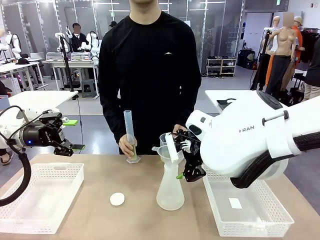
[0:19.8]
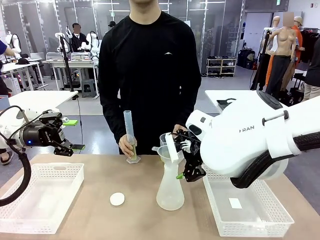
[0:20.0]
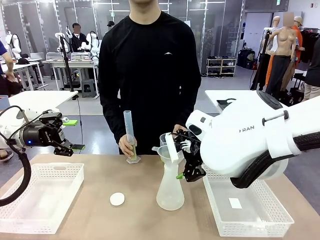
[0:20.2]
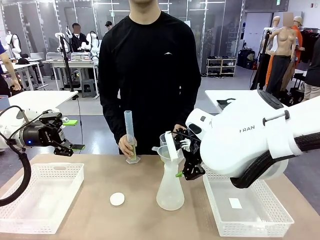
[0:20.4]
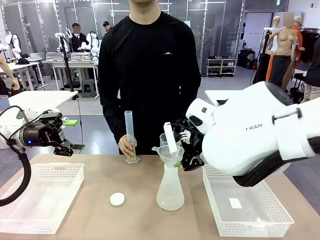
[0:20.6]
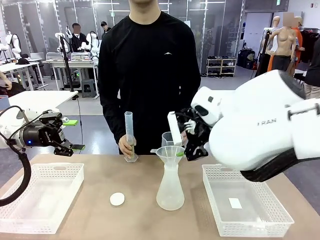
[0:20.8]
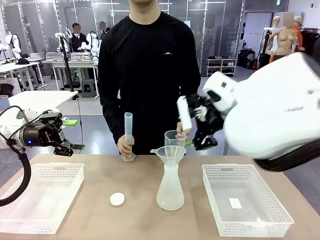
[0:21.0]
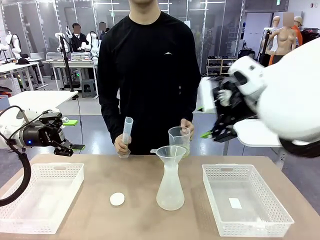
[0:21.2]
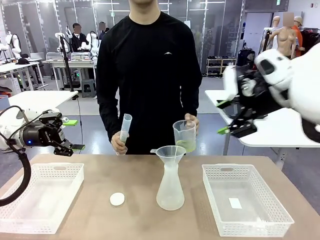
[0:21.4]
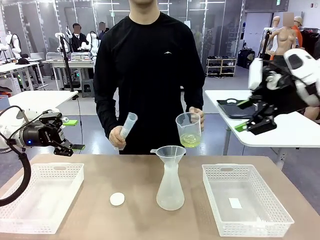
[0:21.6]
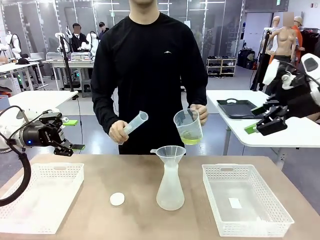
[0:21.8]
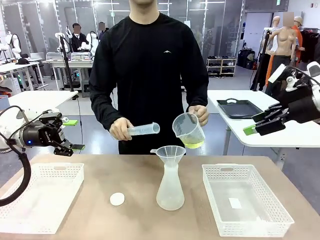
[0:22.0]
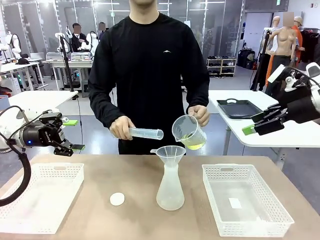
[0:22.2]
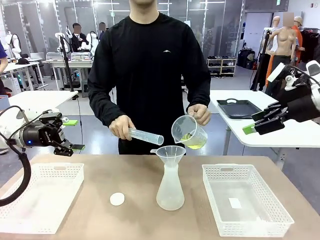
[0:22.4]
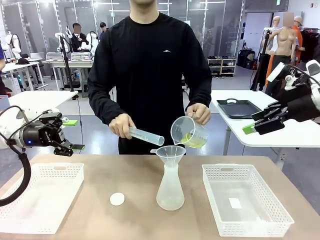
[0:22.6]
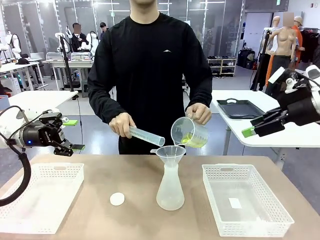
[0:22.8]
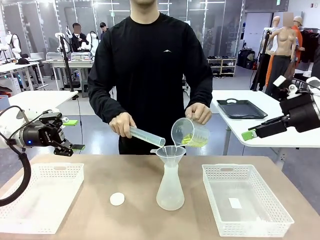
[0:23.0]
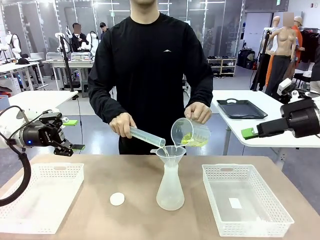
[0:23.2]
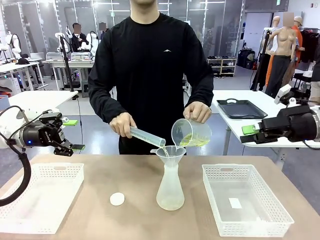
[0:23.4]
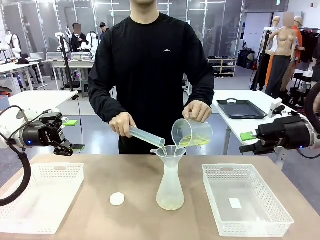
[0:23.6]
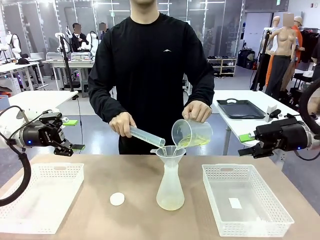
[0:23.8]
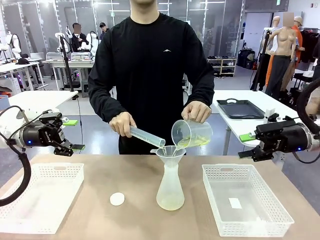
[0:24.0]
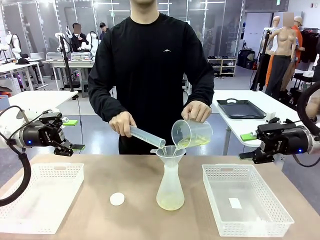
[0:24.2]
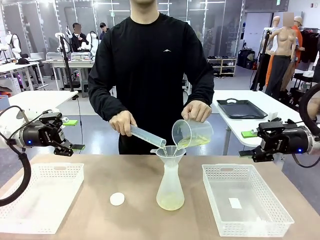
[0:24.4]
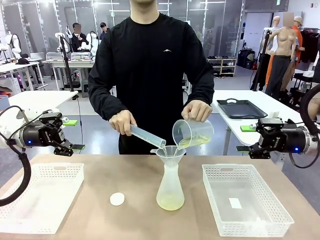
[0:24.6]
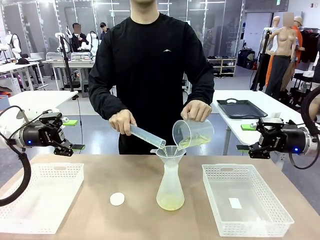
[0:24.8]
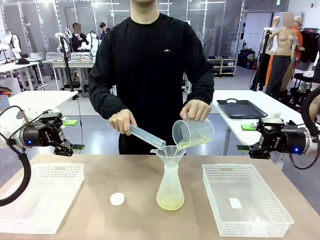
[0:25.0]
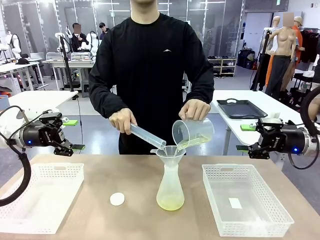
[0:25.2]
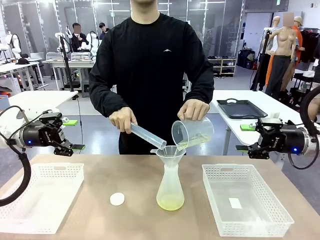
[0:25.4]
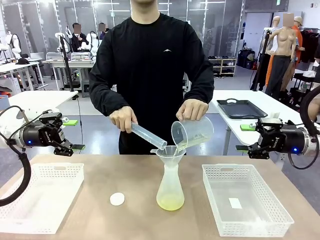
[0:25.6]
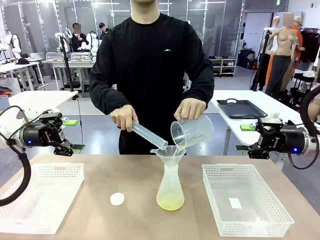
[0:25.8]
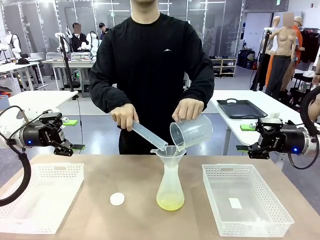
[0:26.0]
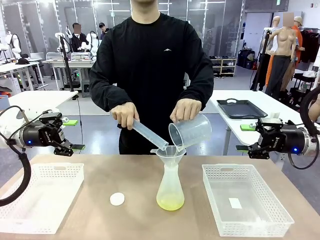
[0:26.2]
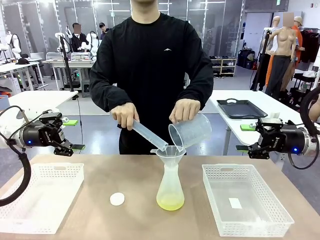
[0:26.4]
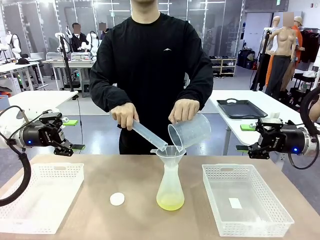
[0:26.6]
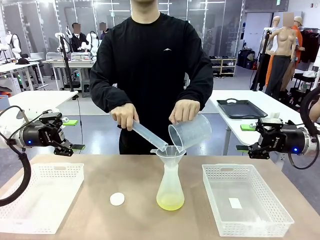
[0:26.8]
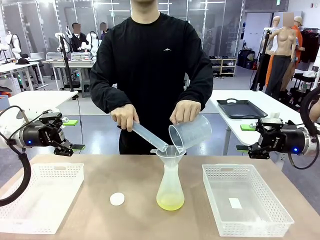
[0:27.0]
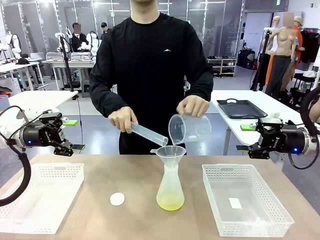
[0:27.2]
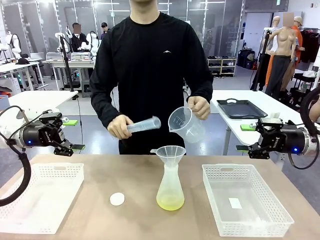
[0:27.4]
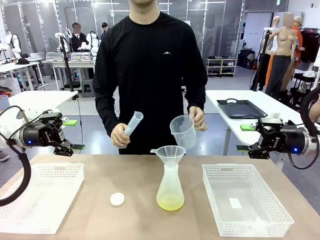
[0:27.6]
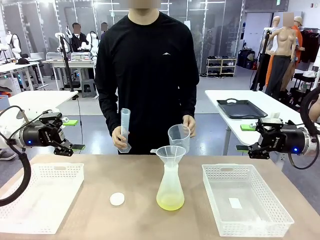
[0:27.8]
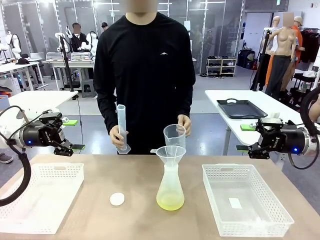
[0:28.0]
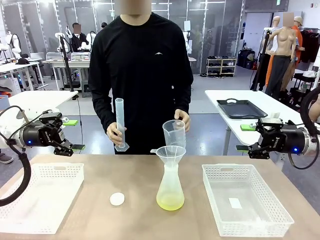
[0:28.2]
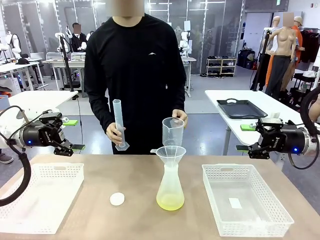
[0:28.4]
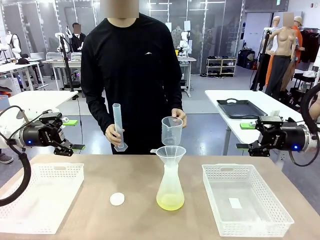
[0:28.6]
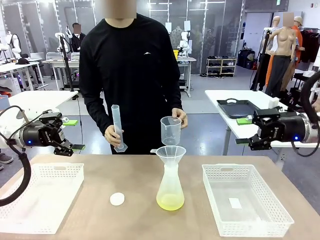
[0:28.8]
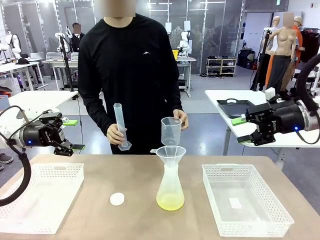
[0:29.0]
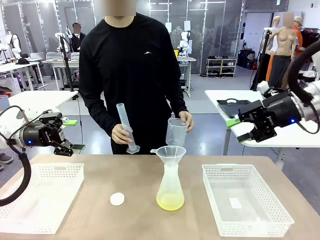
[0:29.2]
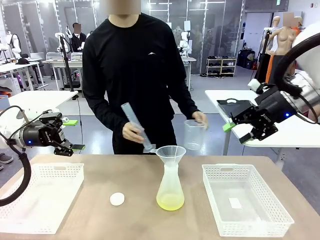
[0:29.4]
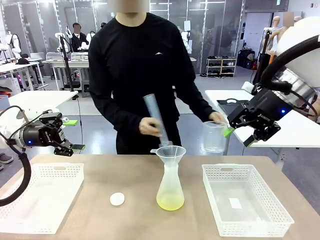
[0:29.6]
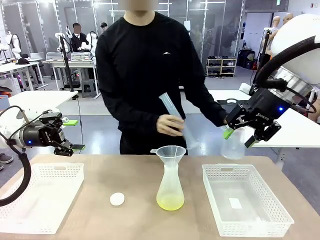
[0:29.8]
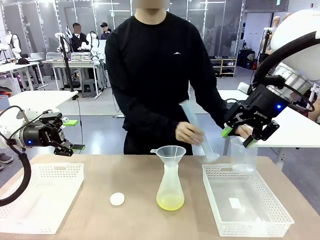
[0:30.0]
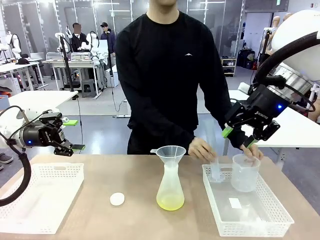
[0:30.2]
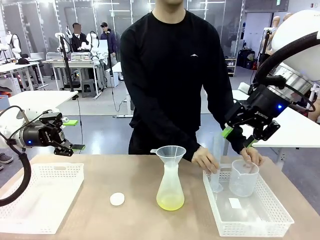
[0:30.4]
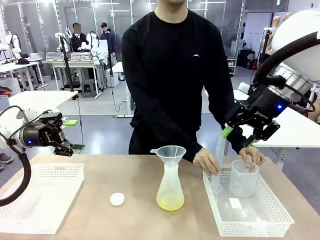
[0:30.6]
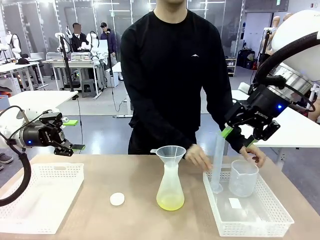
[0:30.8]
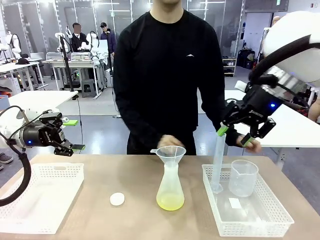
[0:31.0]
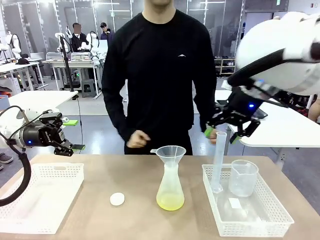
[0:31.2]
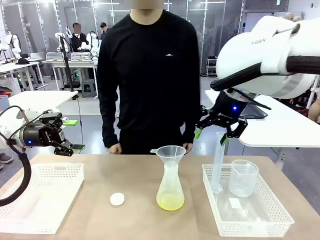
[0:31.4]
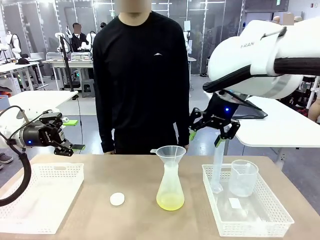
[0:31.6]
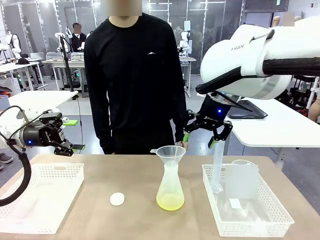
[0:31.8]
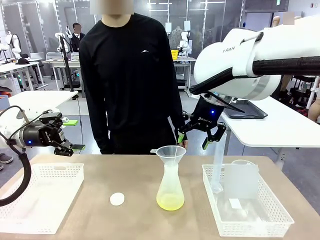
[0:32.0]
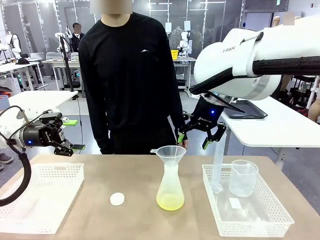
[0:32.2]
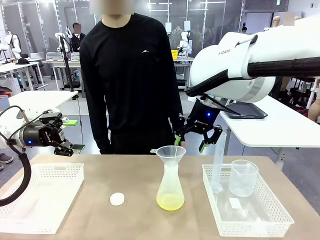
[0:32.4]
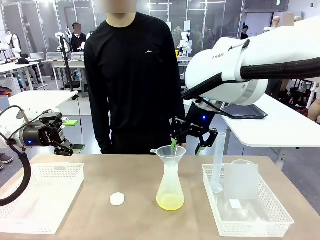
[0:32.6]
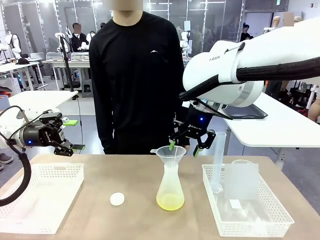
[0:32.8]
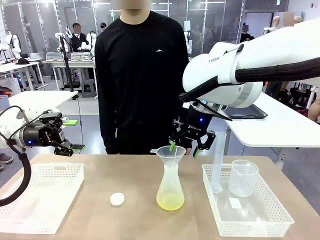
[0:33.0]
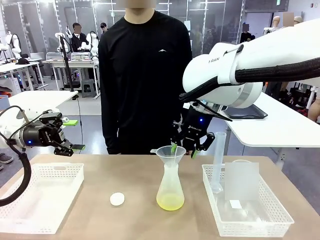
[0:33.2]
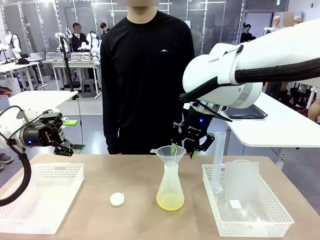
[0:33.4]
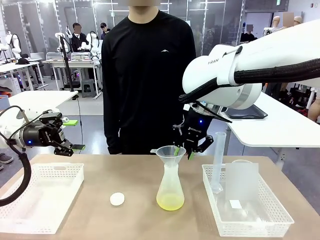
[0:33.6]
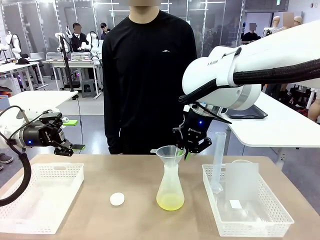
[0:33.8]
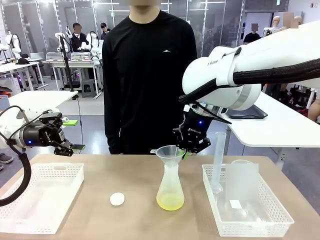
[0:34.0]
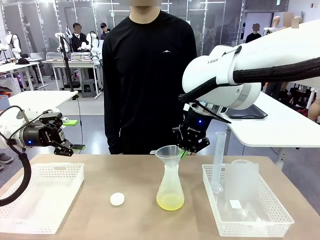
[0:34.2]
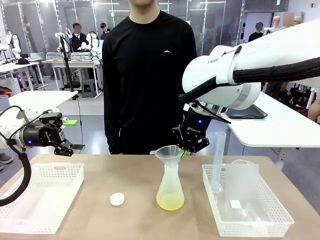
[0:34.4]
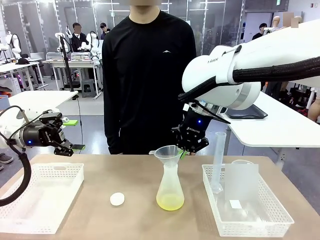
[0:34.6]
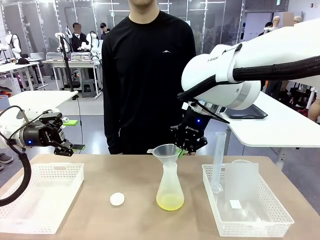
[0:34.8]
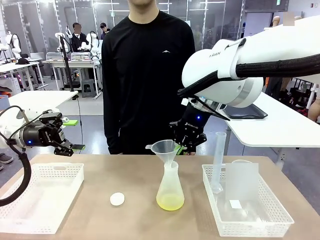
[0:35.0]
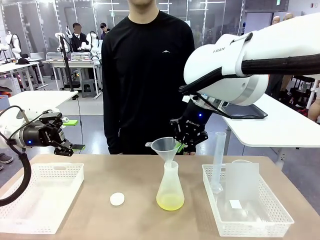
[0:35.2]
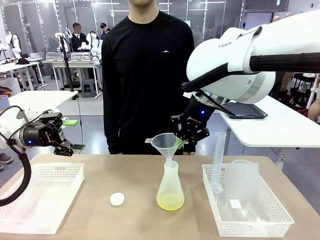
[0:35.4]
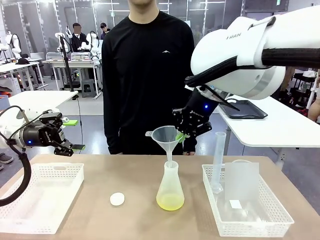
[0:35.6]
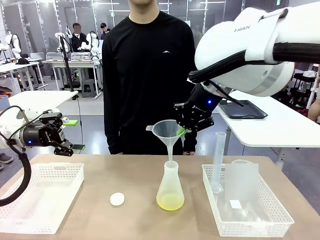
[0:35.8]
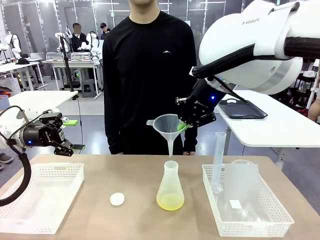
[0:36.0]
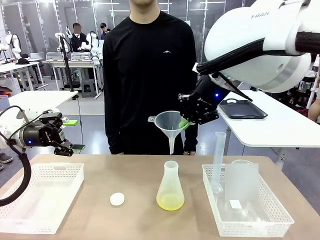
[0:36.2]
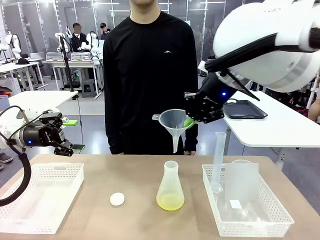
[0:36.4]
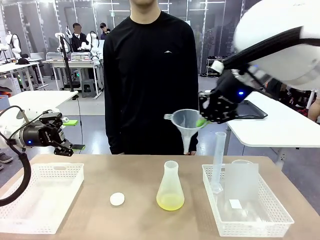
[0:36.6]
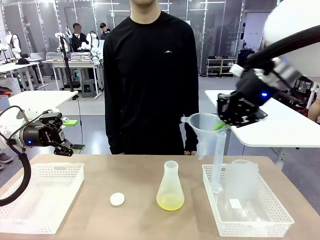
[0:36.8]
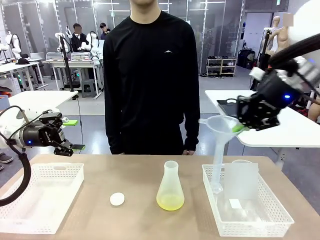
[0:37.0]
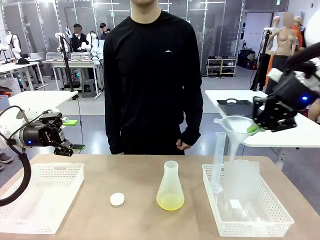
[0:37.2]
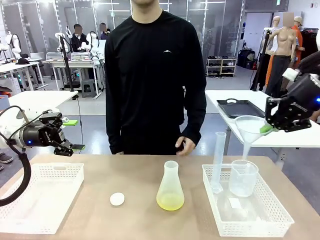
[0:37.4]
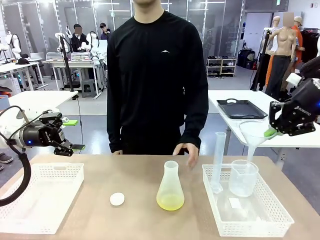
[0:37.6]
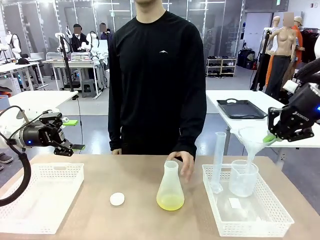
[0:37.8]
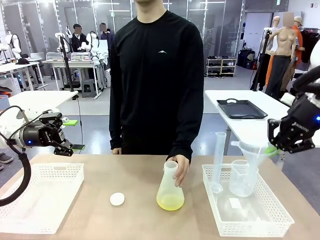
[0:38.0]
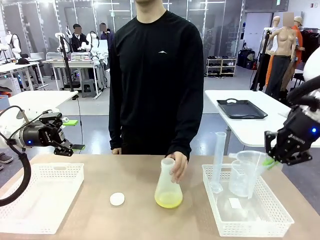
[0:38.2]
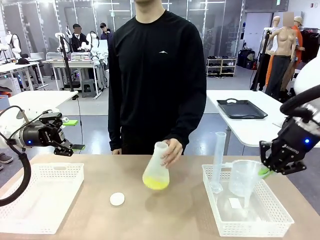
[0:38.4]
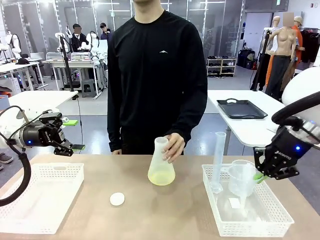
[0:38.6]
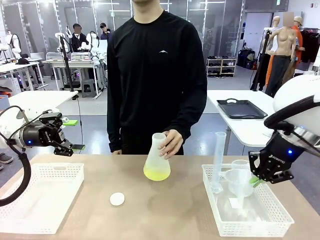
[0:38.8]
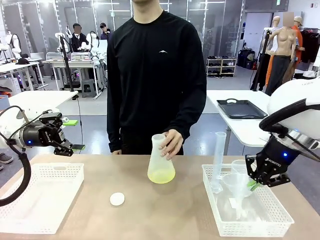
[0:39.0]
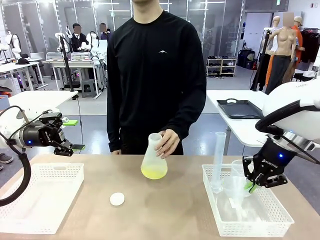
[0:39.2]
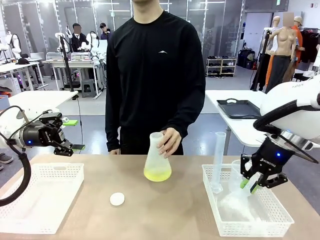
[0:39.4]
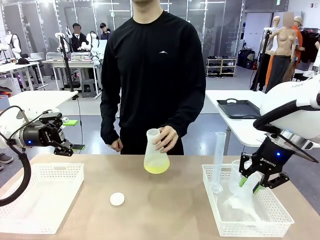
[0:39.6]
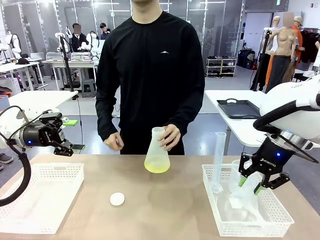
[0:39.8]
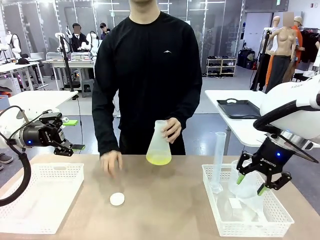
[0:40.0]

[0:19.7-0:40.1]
Task: Prepare the solutions needed for the experiment.
Robot: Once the solution is in the Big flask , pick up the Plastic Funnel and place it back into the right Organizing basket.
Person: Place the beaker and the cylinder into the organizing basket on the left side. Pick up the flask, gently shake it 2–3 times, place it in the middle of the robot table, and close the lid.
